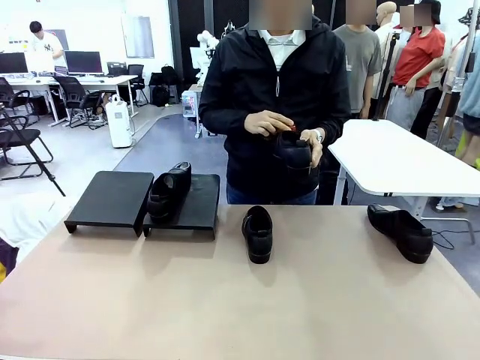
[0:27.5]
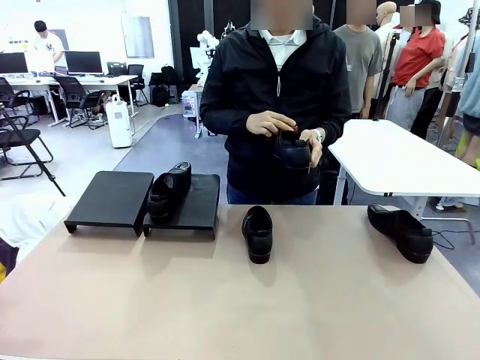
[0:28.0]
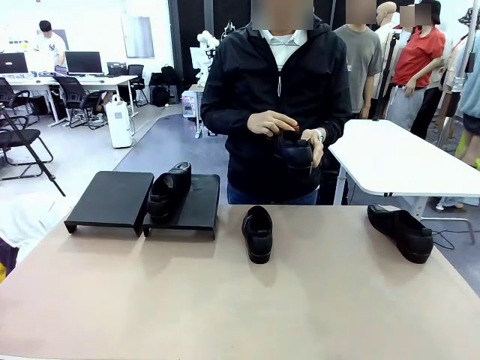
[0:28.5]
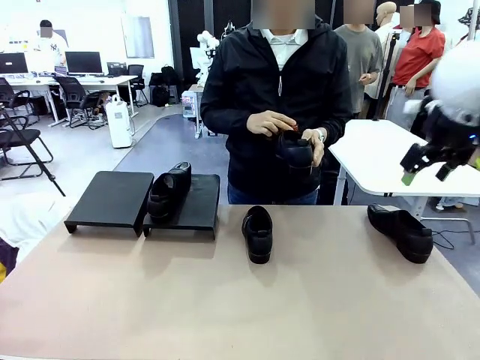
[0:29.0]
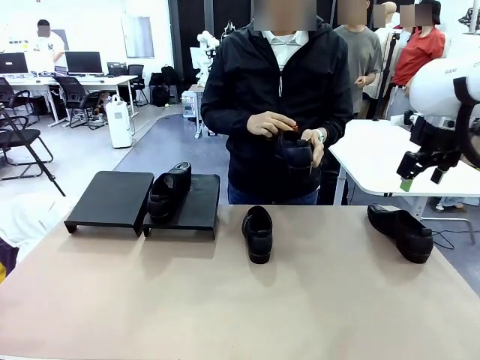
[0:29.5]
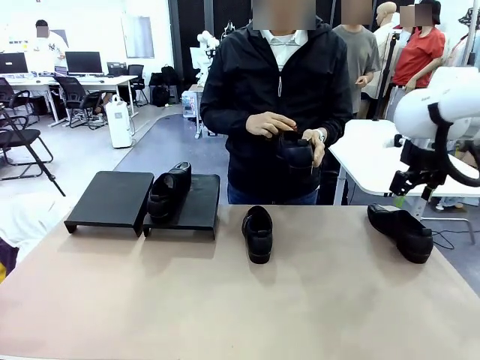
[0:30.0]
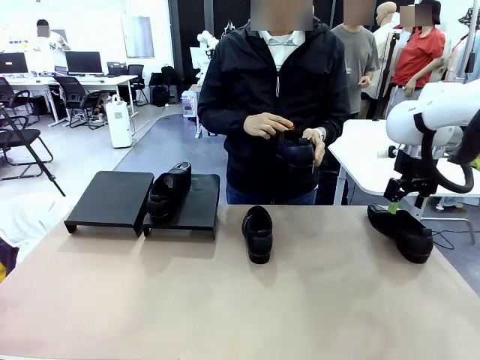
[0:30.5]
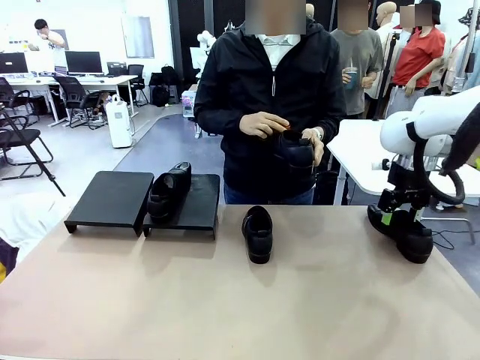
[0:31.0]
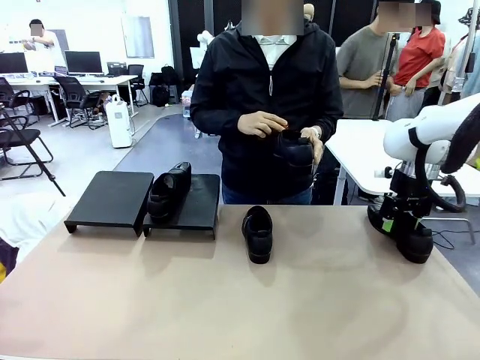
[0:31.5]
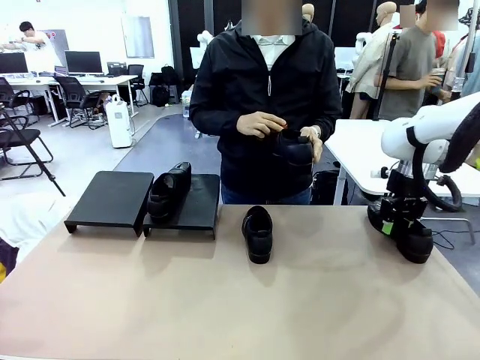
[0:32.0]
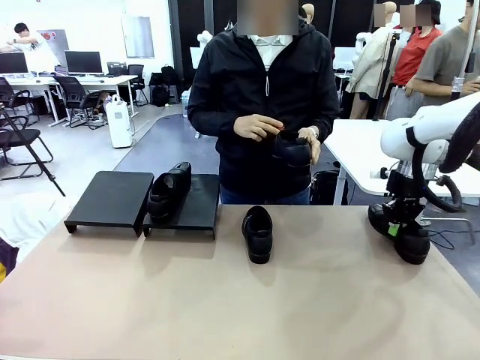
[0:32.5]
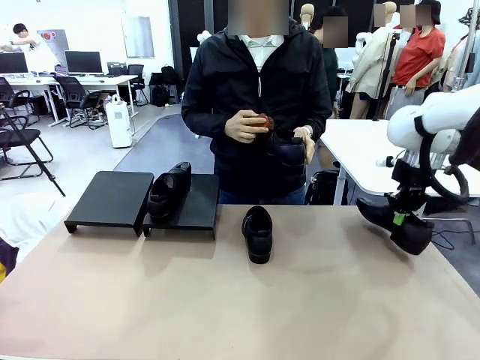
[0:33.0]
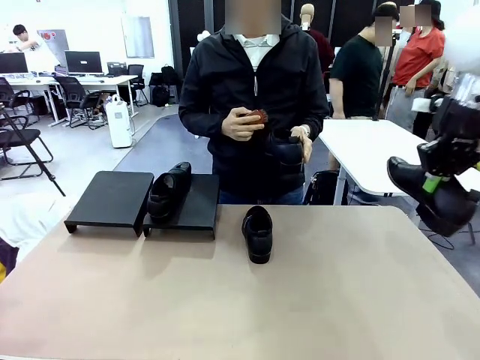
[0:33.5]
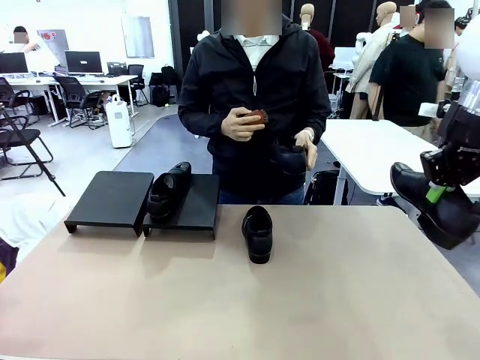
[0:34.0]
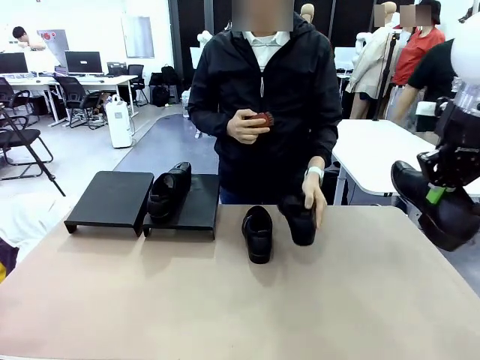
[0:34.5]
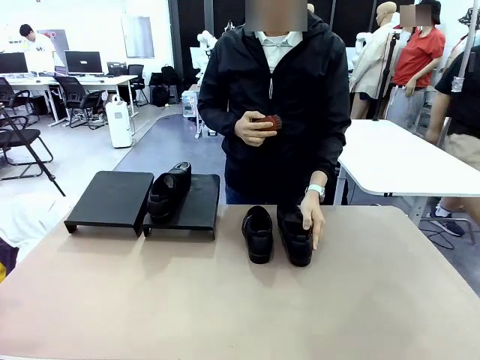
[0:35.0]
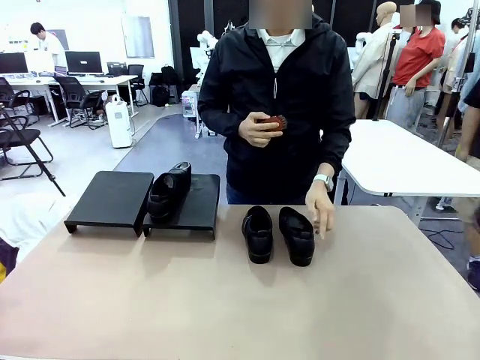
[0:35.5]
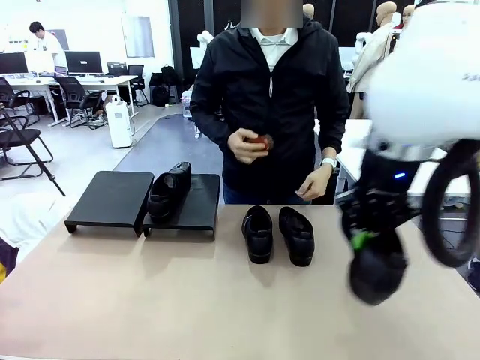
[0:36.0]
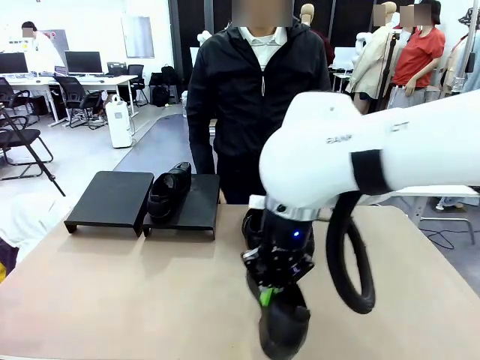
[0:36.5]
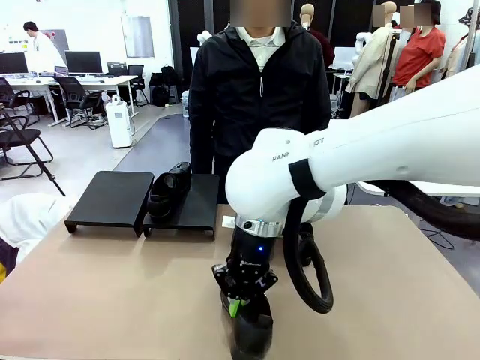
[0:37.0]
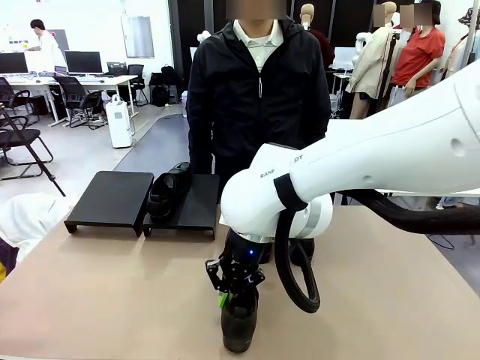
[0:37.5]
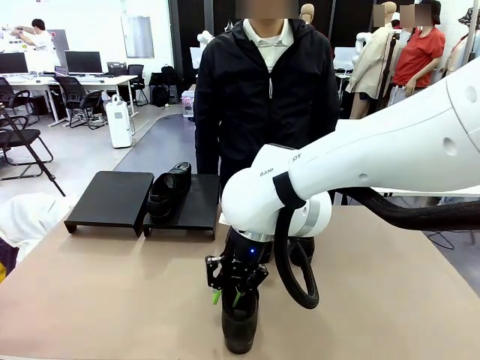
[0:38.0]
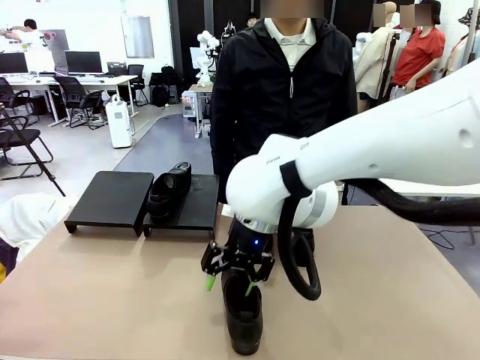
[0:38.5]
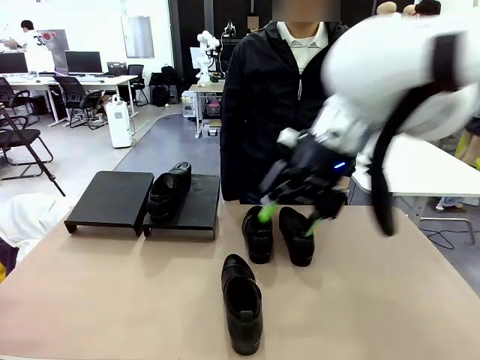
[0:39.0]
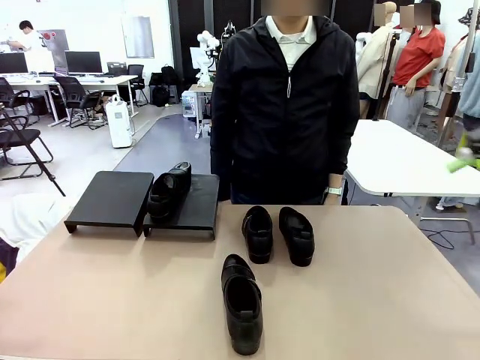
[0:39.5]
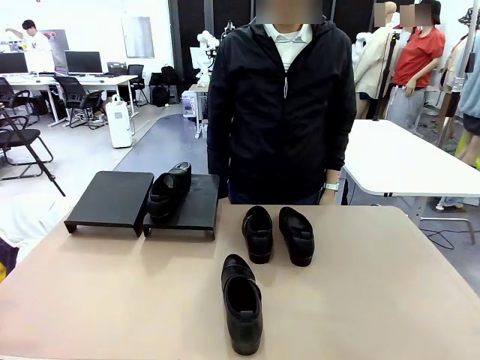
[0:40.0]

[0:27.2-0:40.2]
Task: Organize the shoes by placing them on the stand.
Robot: Pick up one Shoe and place it in the middle of the table.

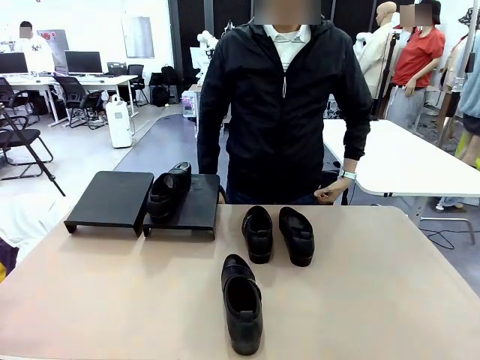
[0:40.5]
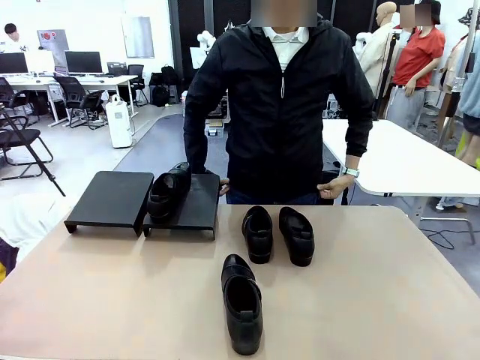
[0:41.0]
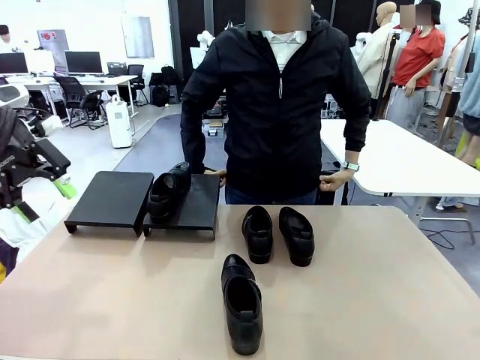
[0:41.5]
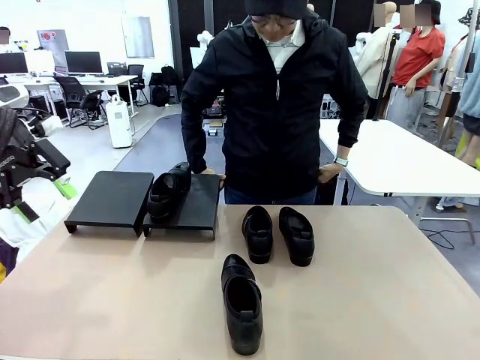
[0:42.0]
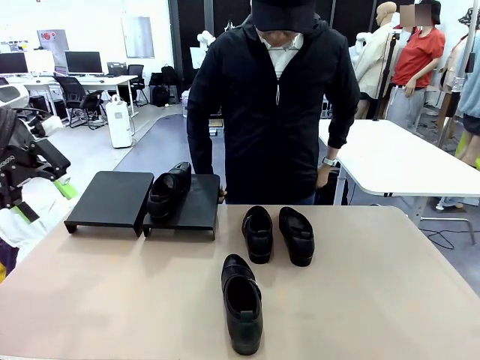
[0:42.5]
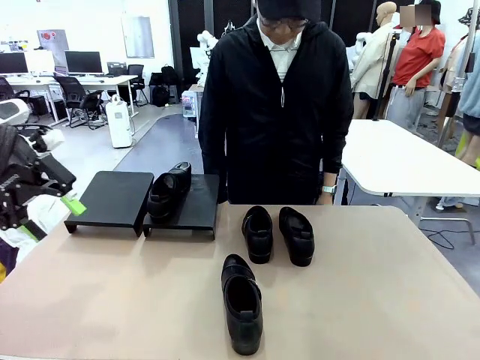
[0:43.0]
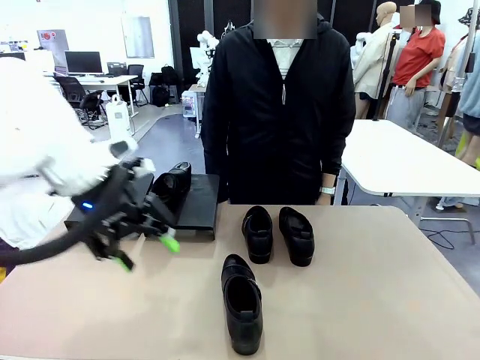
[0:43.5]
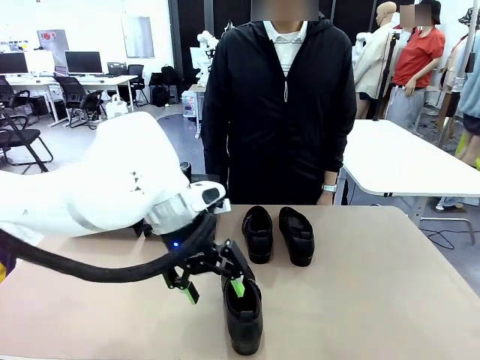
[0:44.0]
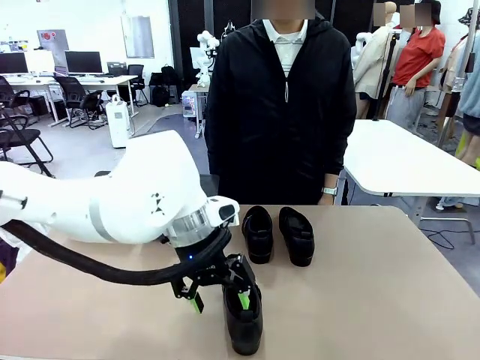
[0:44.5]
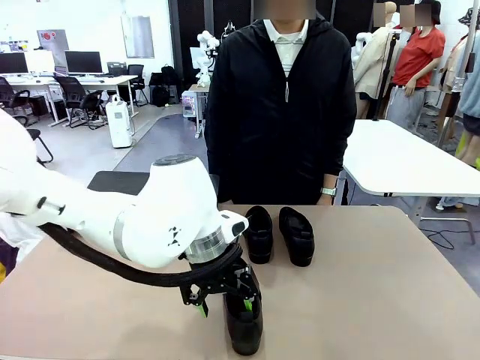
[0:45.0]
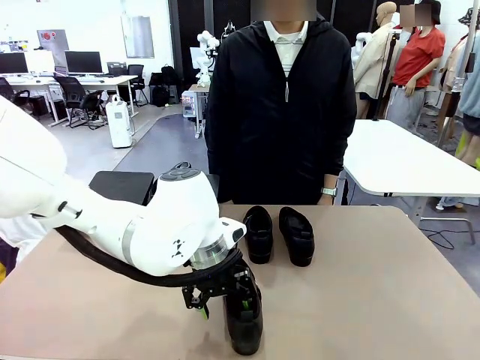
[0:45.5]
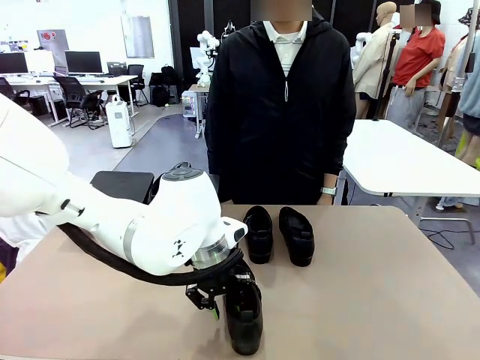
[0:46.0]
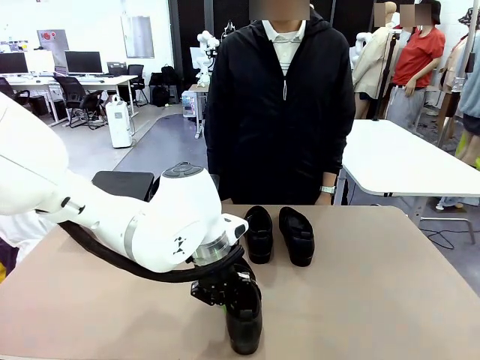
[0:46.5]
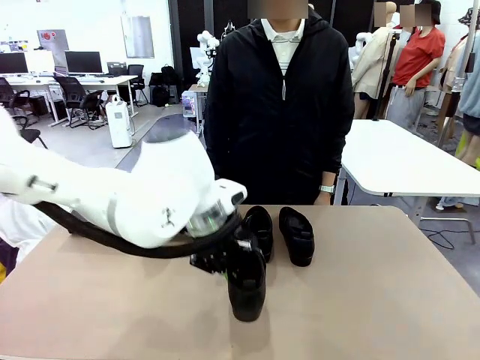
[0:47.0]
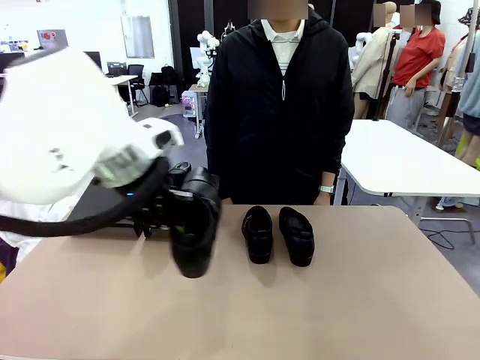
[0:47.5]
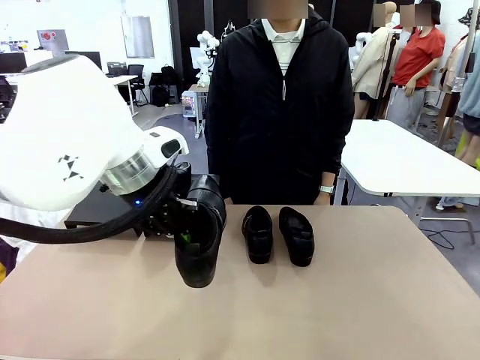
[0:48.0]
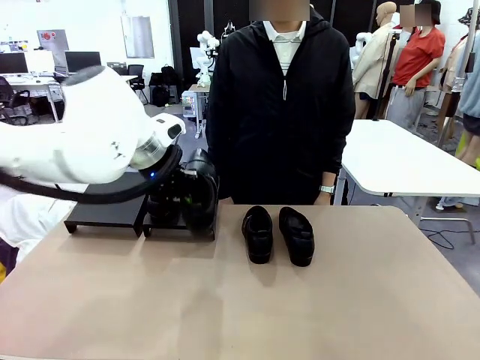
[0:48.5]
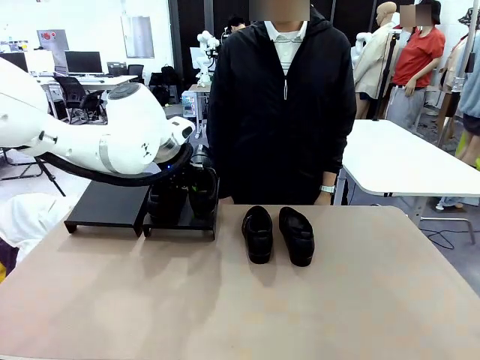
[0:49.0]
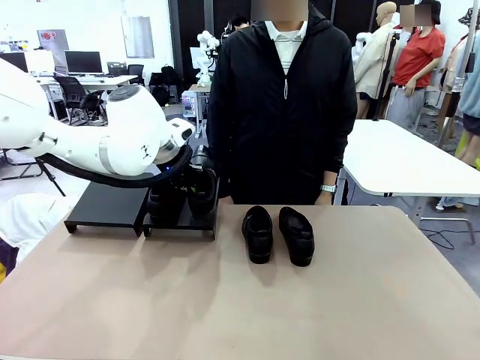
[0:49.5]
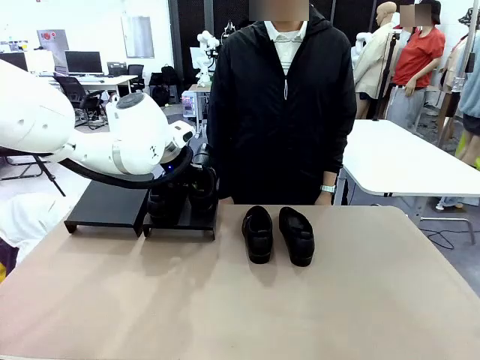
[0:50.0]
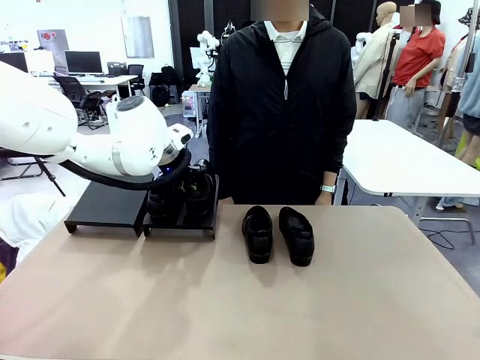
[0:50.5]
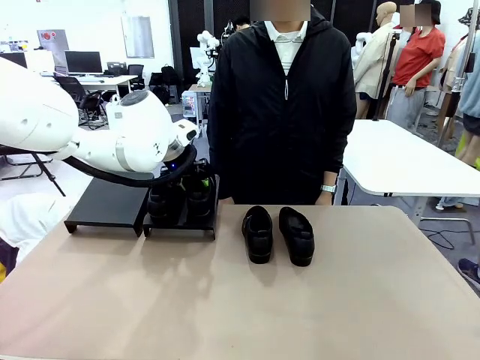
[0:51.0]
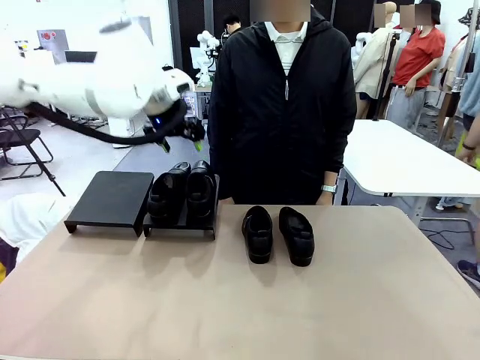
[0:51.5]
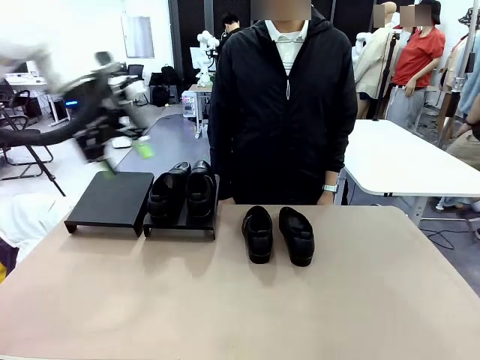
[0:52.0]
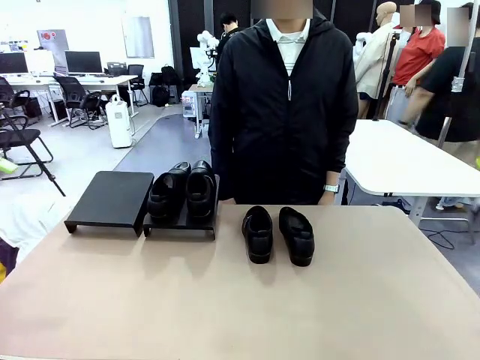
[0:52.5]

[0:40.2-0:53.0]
Robot: Place the Shoe from the middle of the table onto the Shoes Stand.

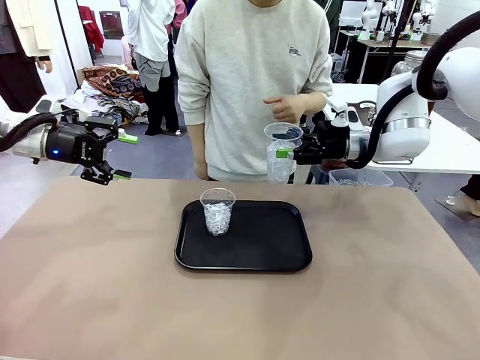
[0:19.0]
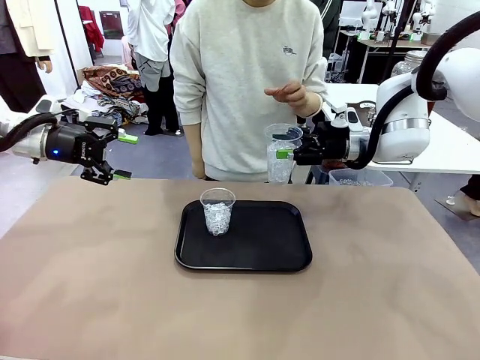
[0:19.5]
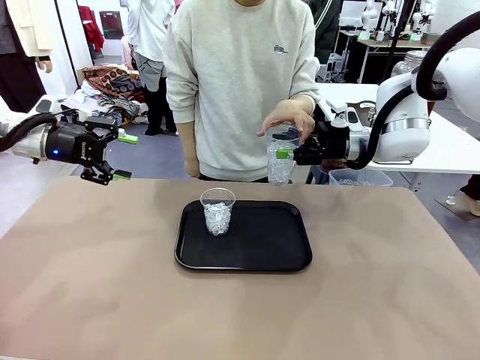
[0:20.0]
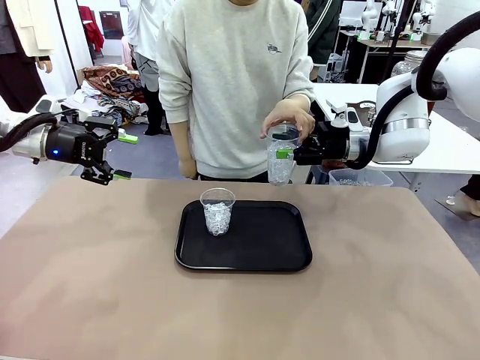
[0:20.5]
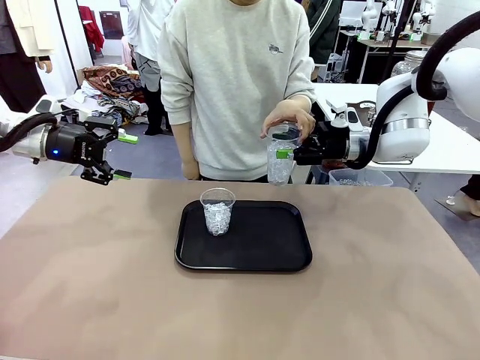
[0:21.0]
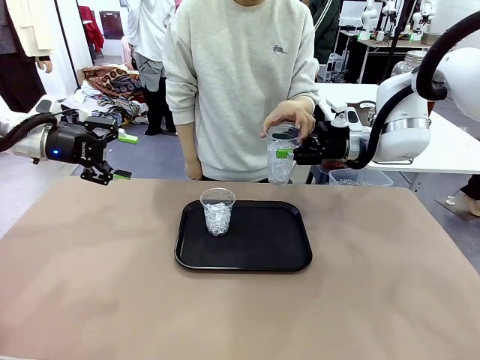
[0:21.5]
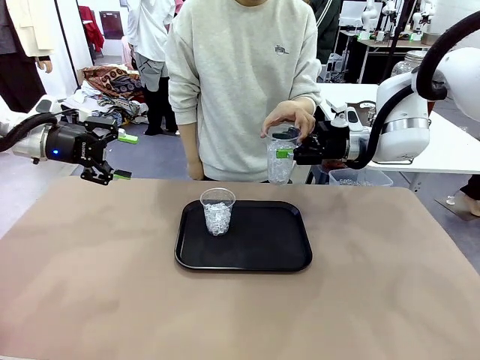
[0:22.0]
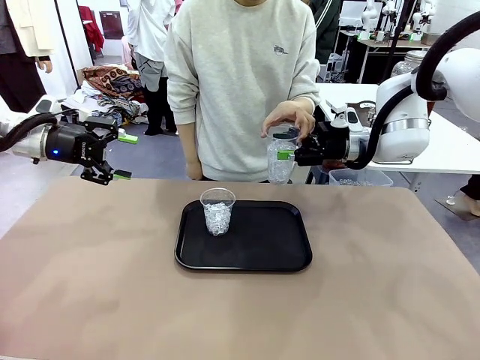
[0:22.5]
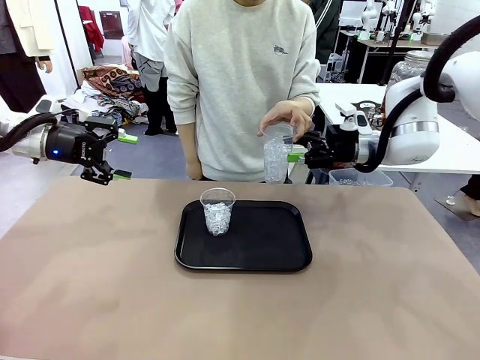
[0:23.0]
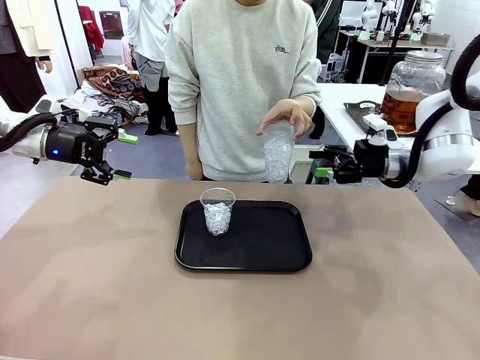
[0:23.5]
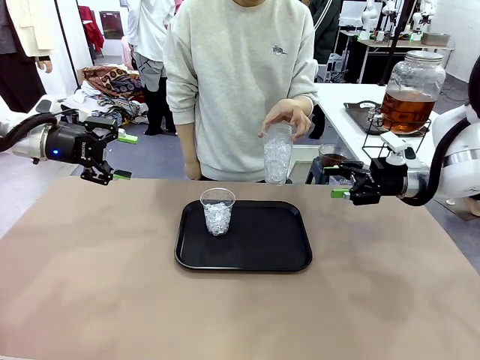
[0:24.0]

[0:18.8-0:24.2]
Task: Pour the drink into the iced cup.
Robot: Open the gripper to release the iced cup you were holding.
